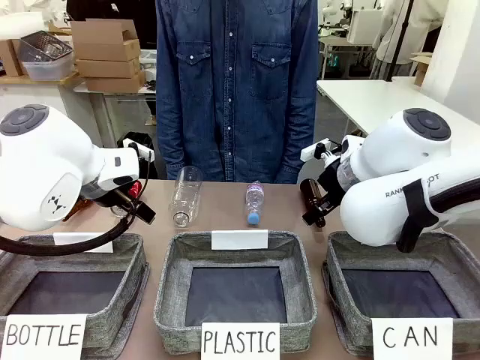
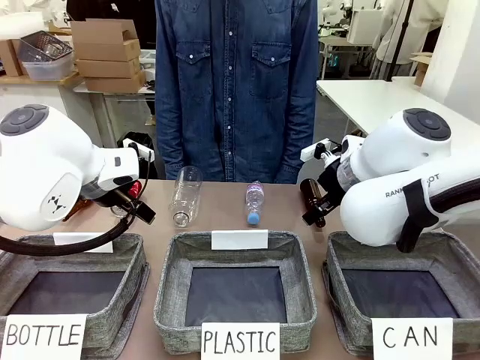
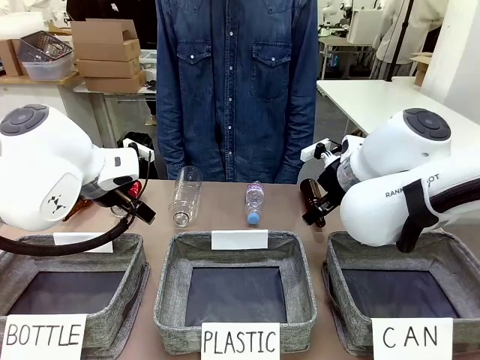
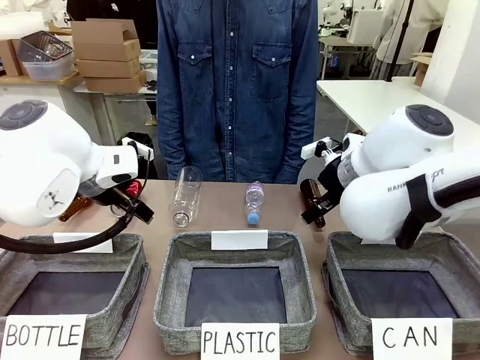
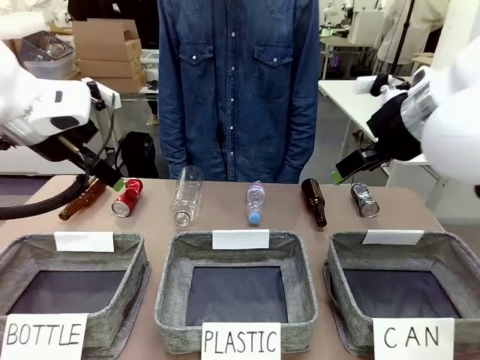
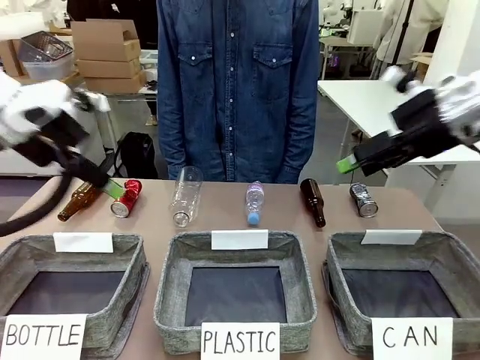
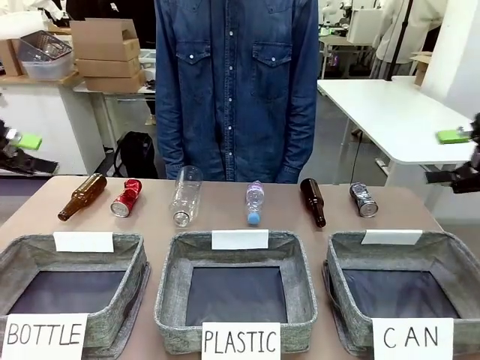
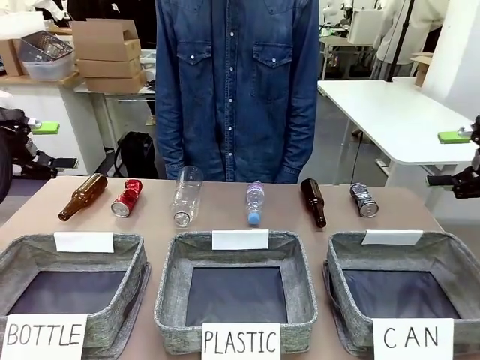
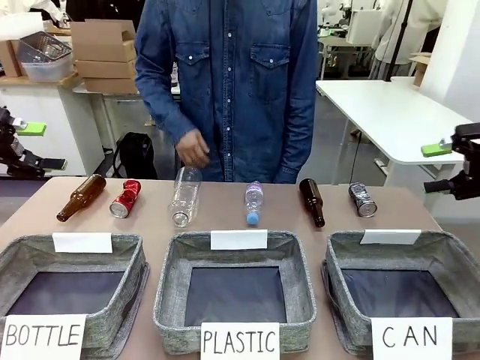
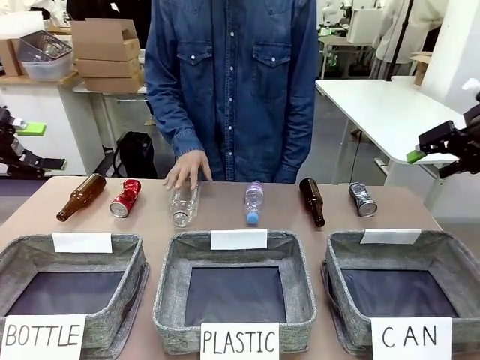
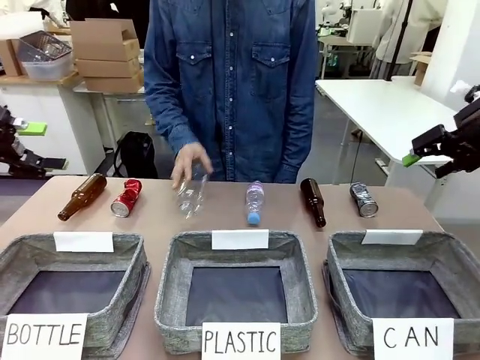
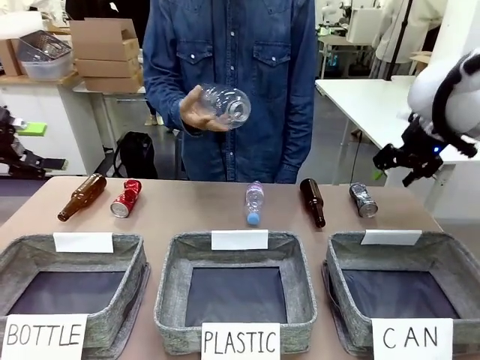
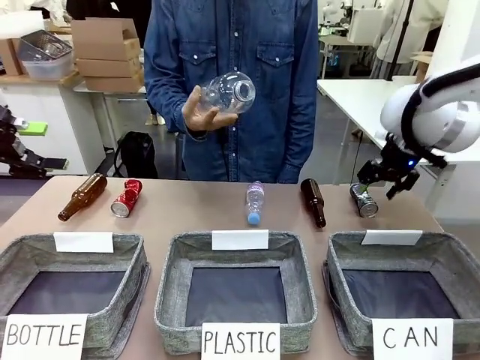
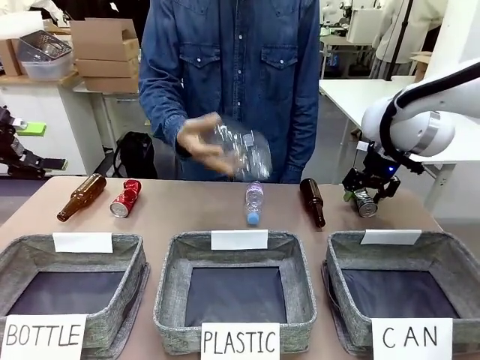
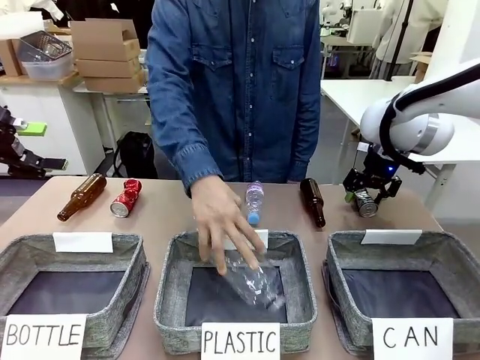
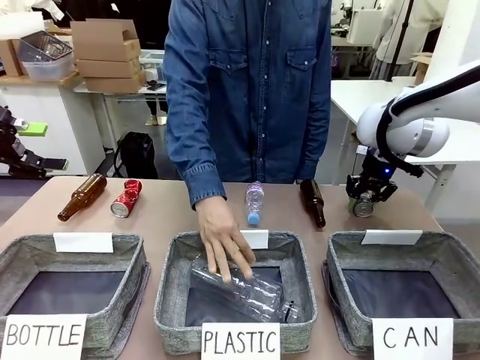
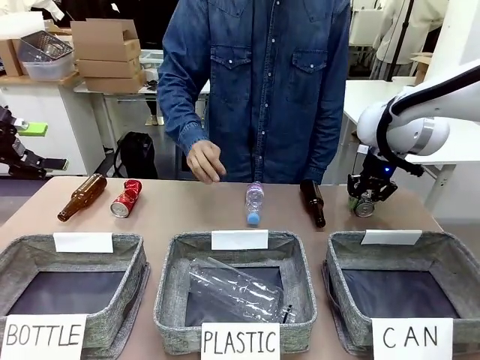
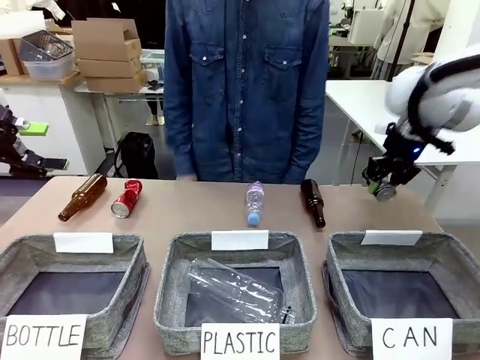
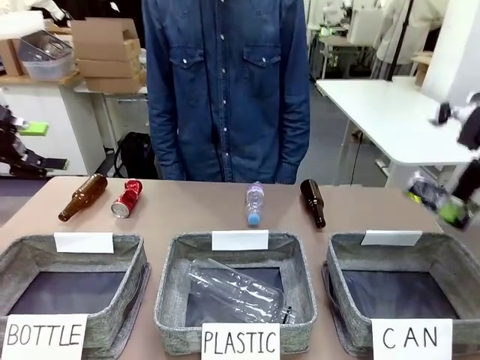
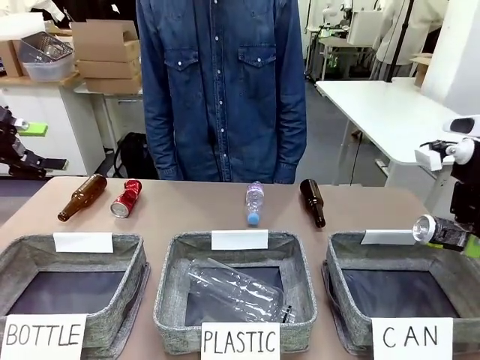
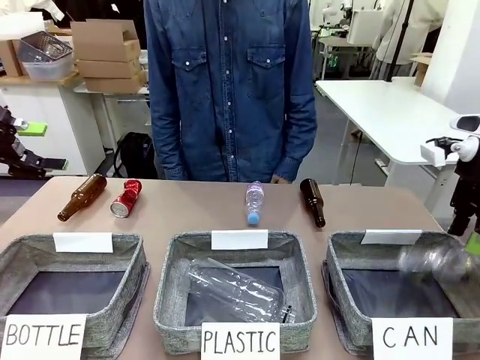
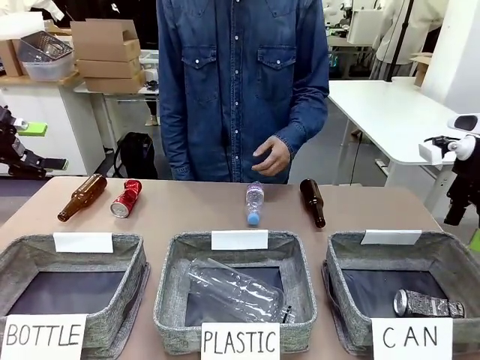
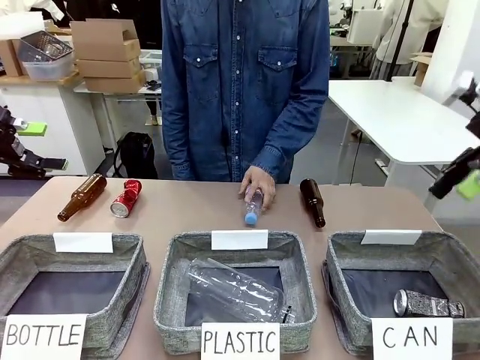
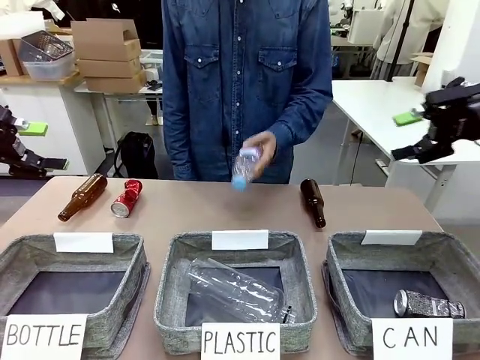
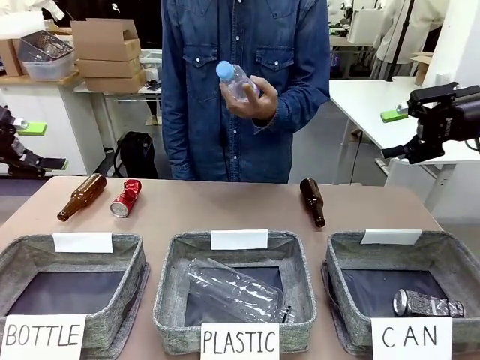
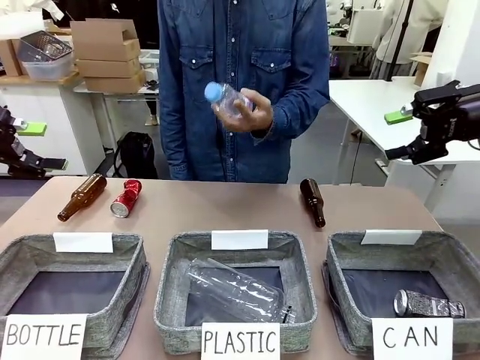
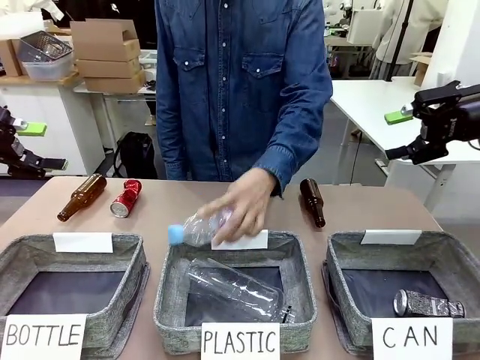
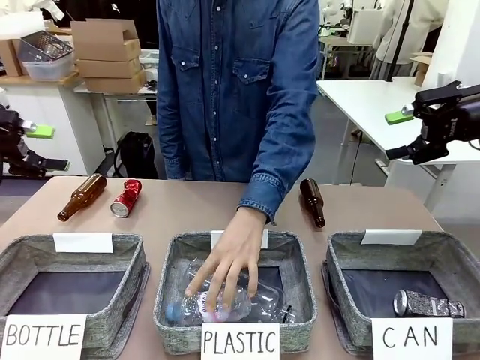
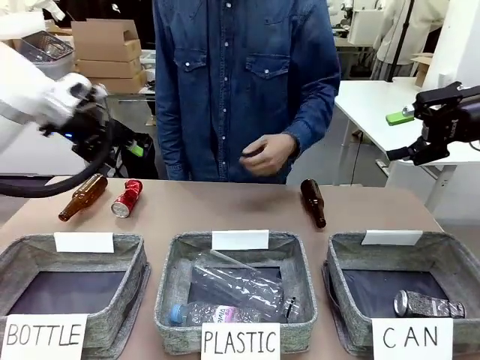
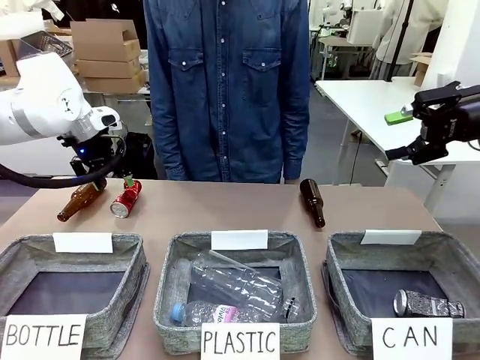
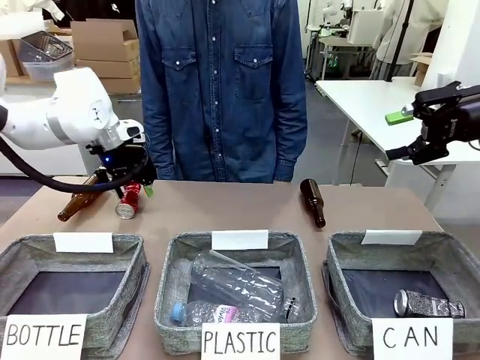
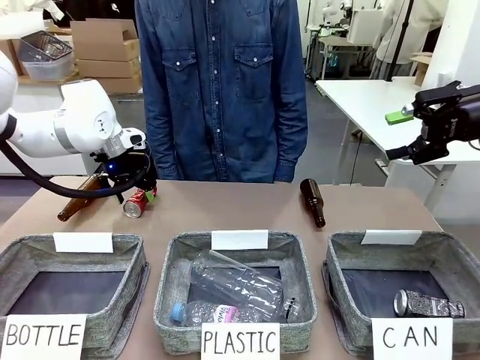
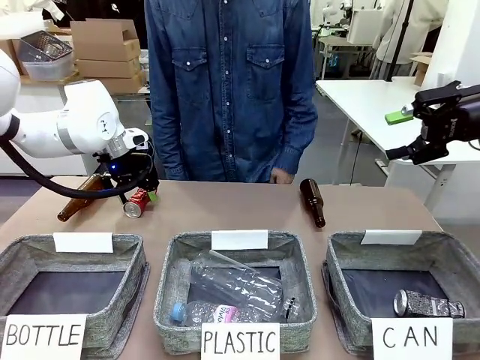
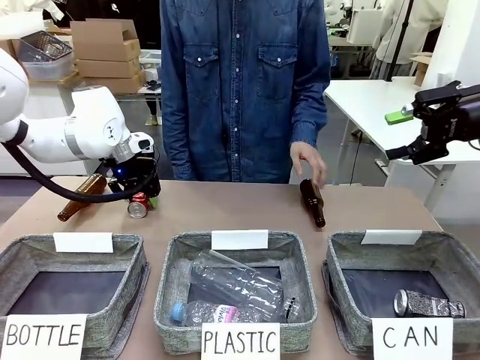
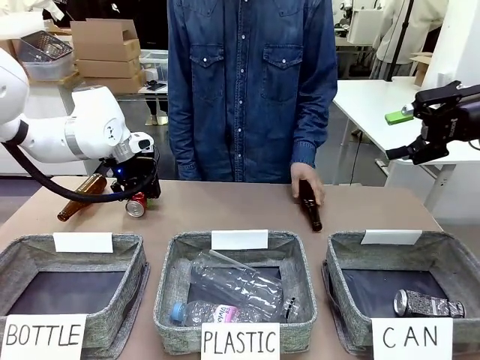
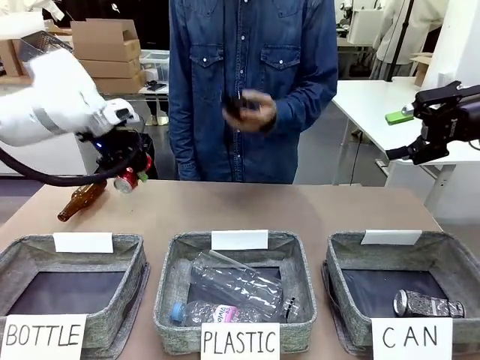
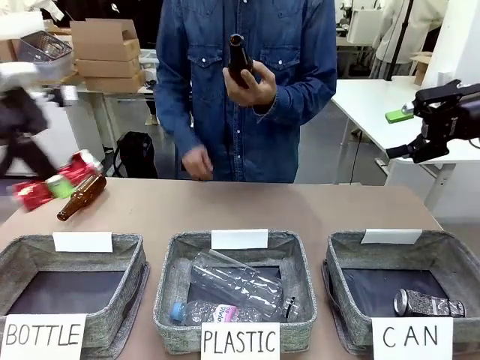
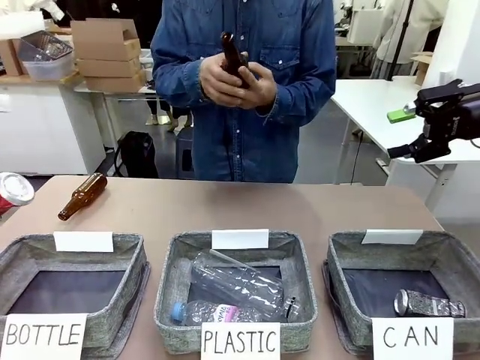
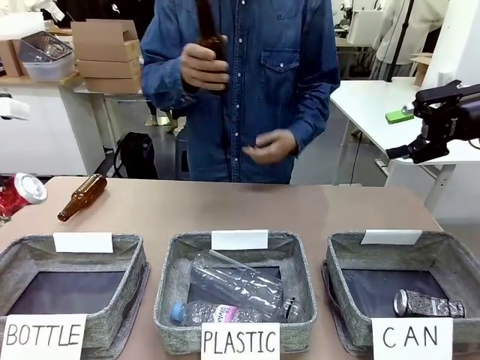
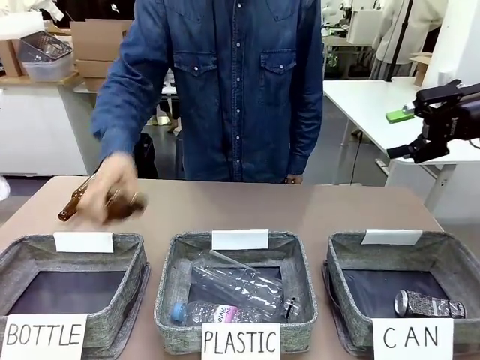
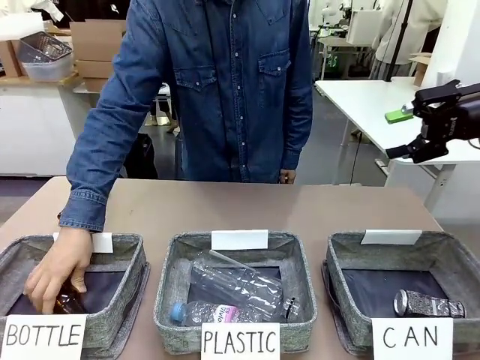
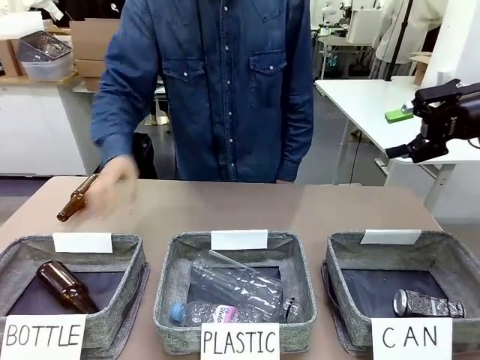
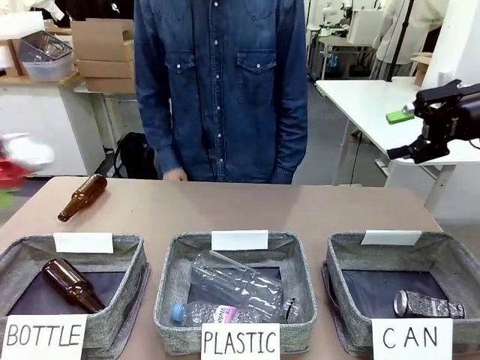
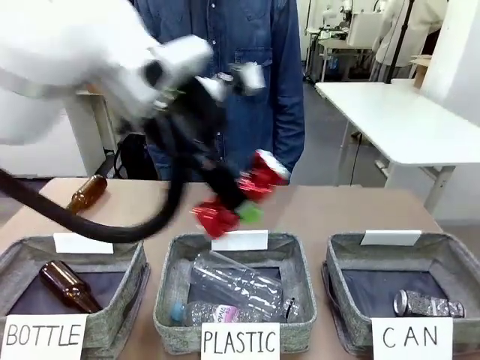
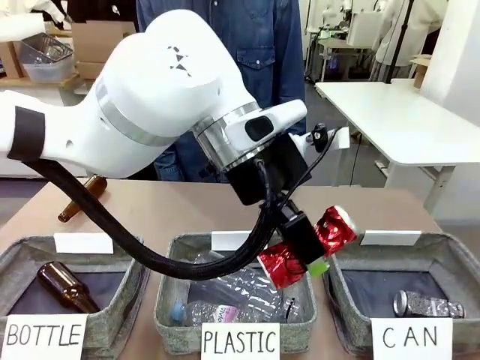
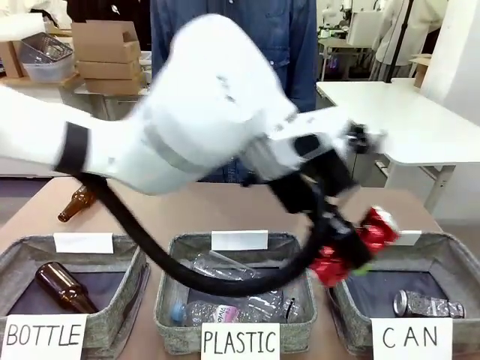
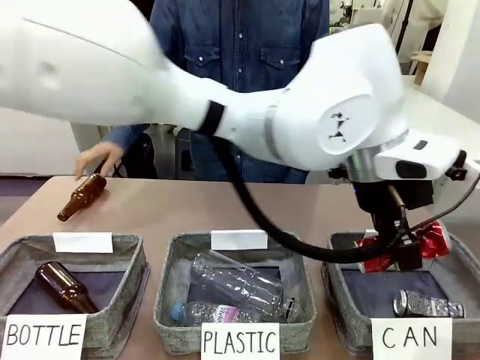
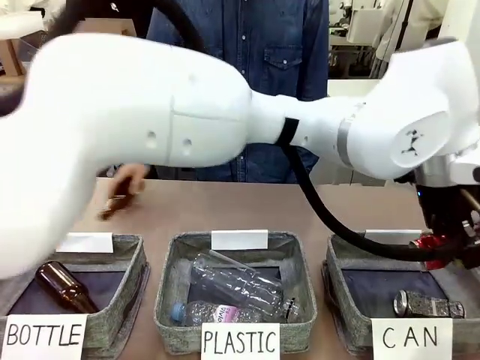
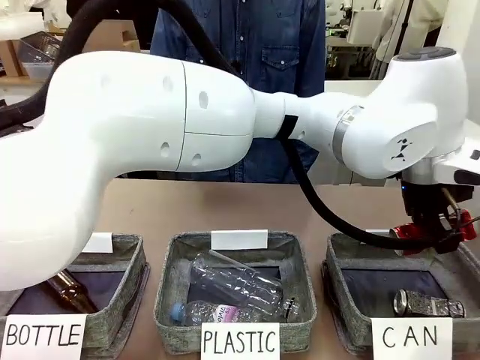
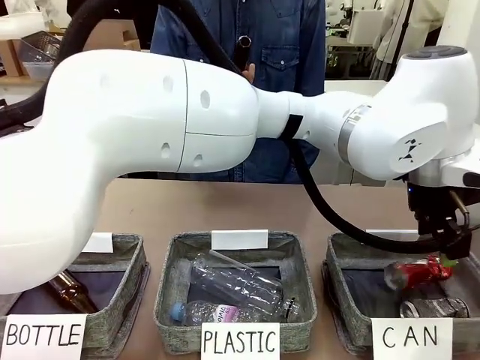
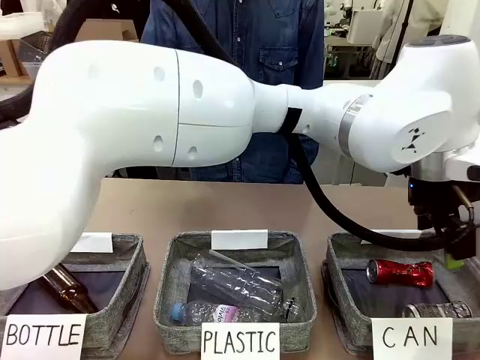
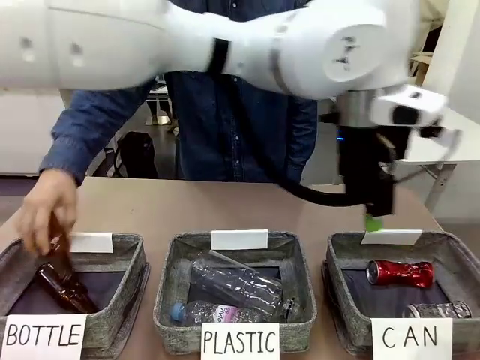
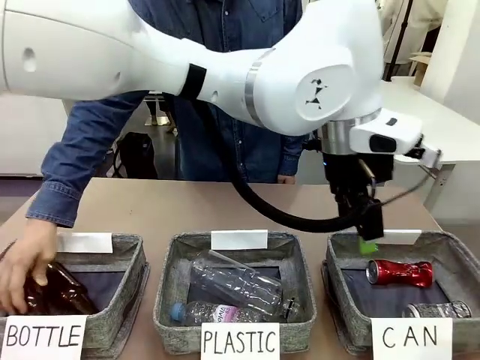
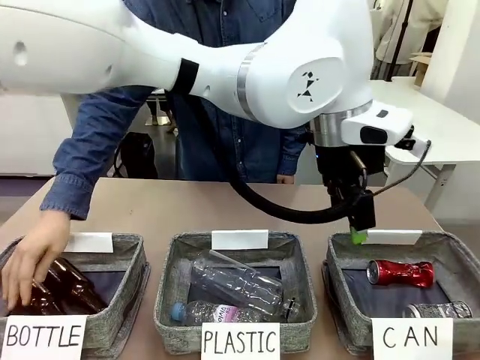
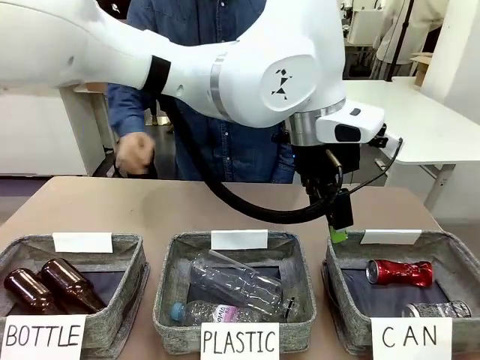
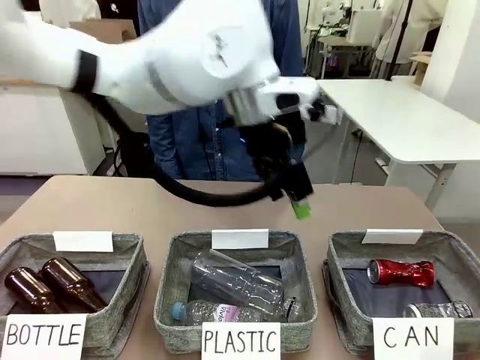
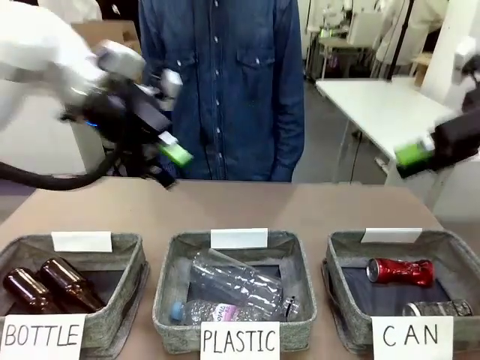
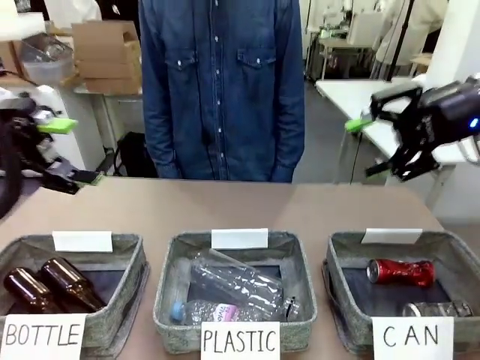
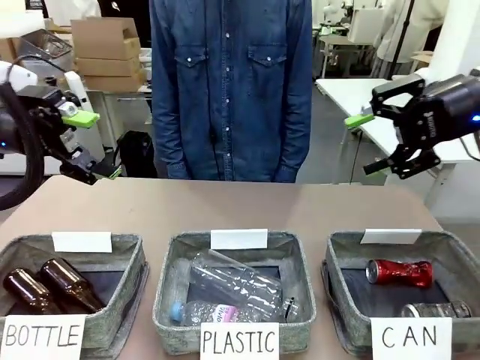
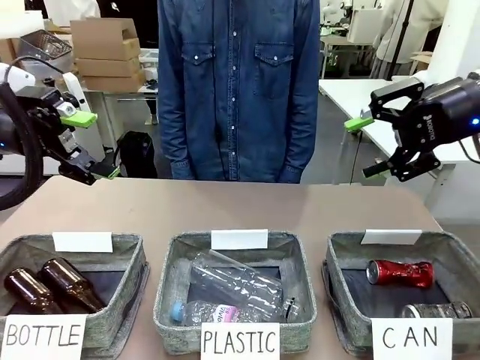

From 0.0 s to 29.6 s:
Task: Sort the can waste into the basket.
Robot: Pick up the can waste from the table and place it in the right Fabric basket.
Person: The human picks up one piece of trash that is not a can and places the trash into the appropriate organizing basket.
